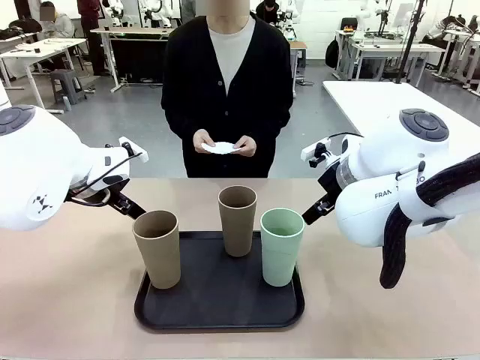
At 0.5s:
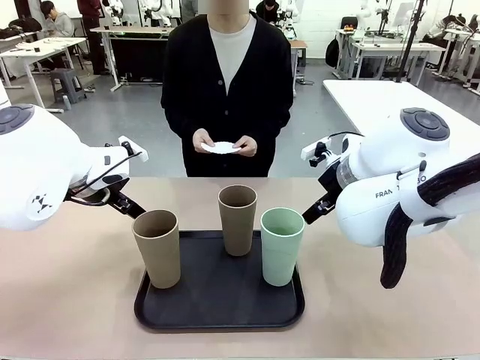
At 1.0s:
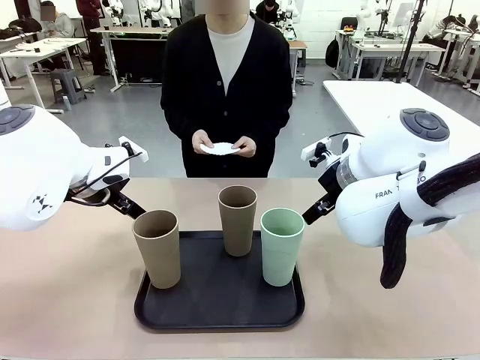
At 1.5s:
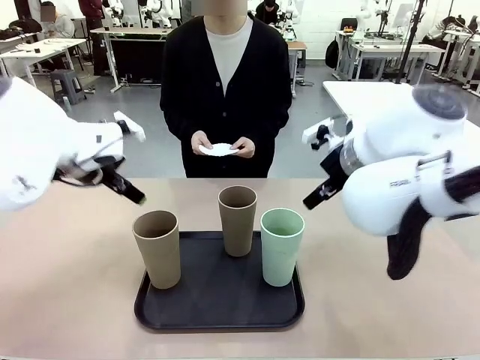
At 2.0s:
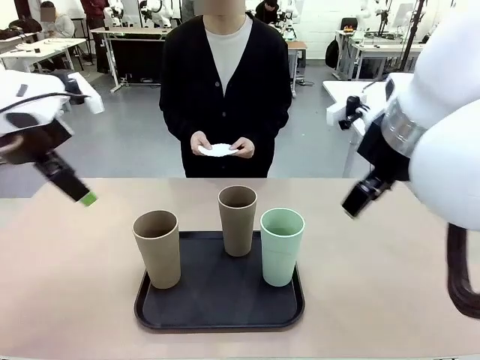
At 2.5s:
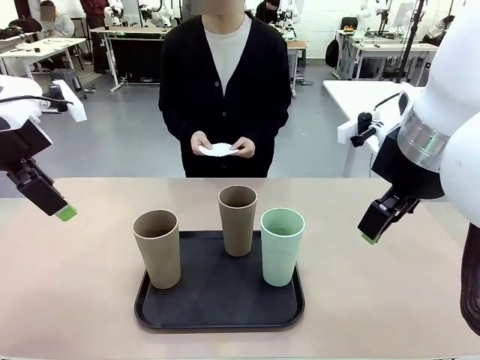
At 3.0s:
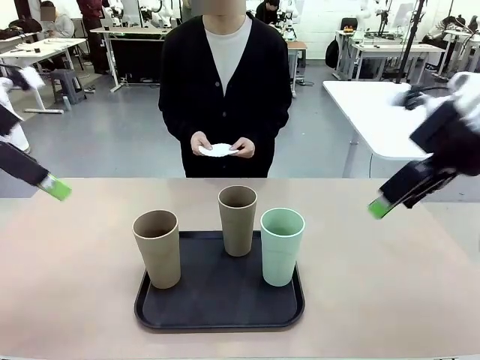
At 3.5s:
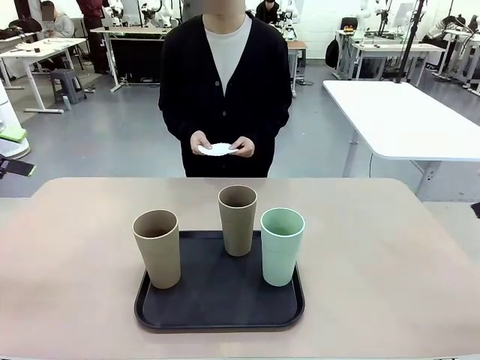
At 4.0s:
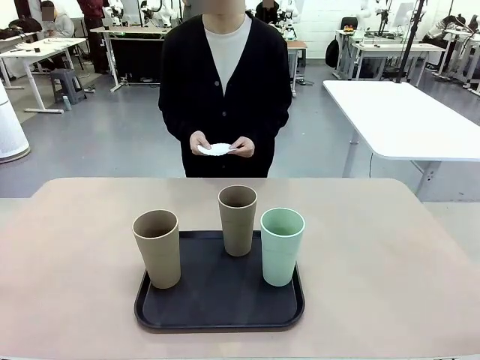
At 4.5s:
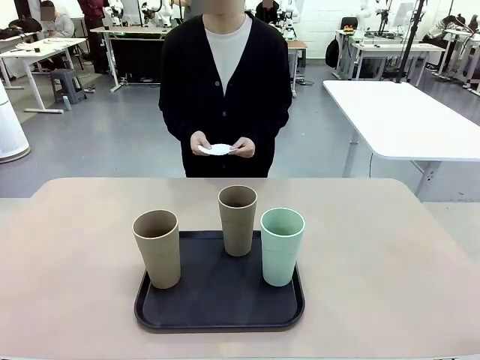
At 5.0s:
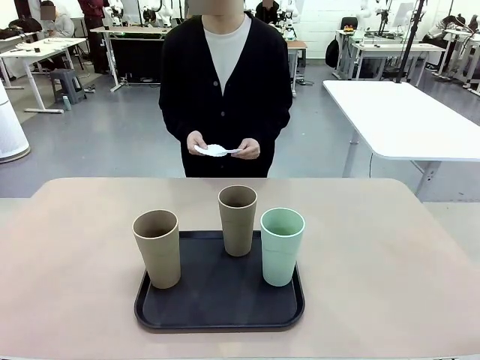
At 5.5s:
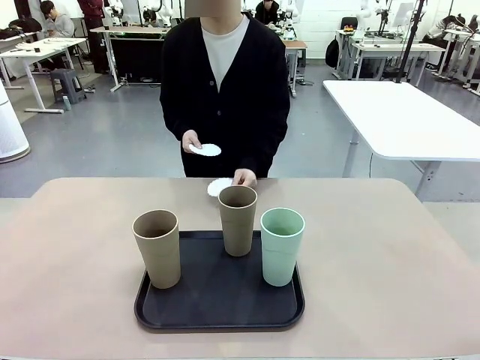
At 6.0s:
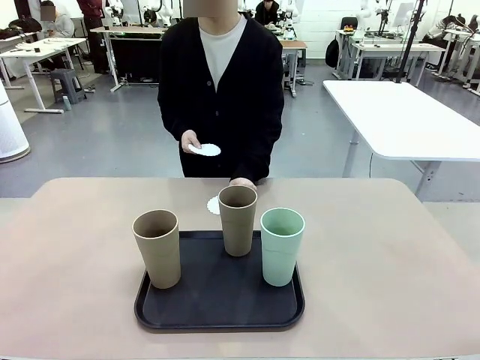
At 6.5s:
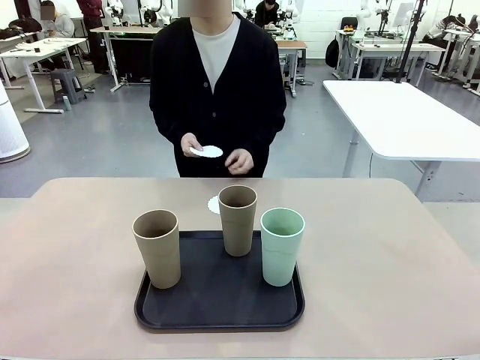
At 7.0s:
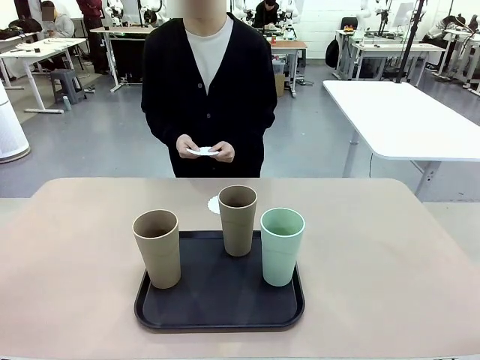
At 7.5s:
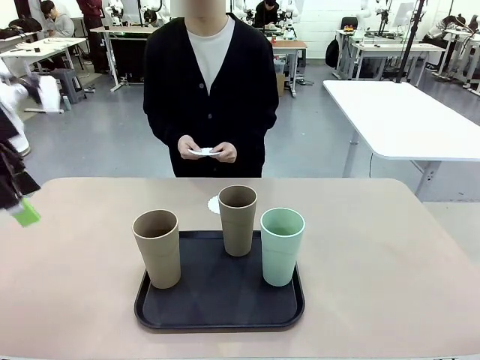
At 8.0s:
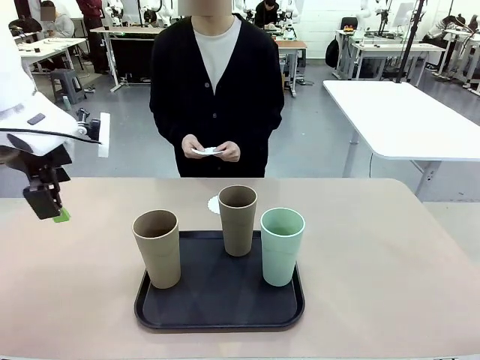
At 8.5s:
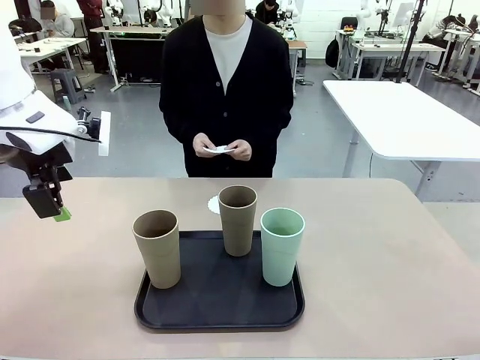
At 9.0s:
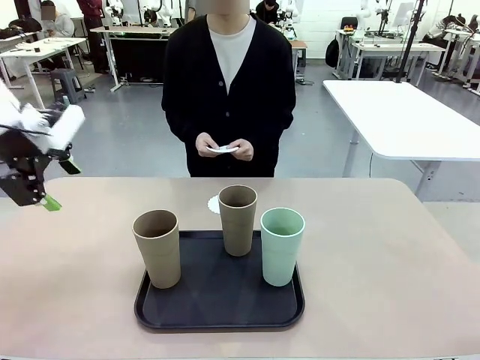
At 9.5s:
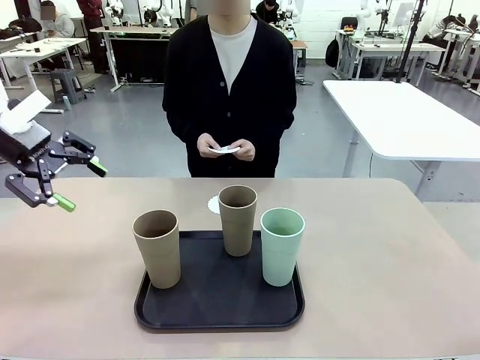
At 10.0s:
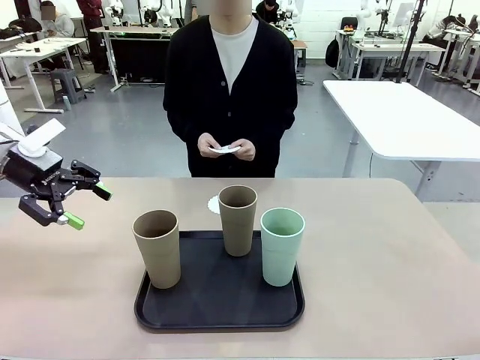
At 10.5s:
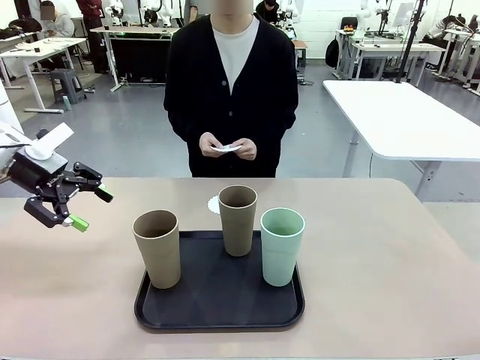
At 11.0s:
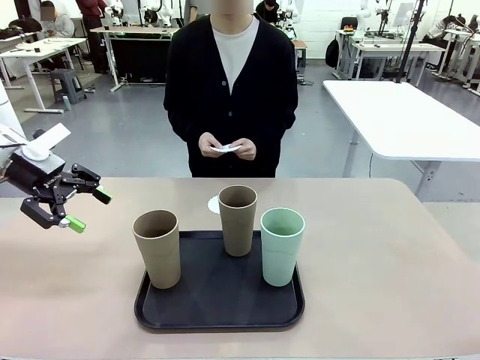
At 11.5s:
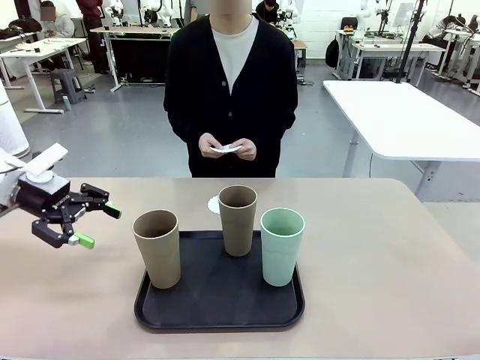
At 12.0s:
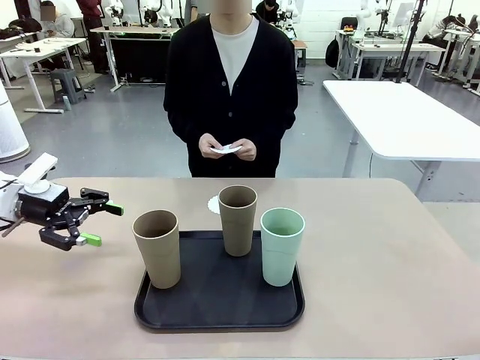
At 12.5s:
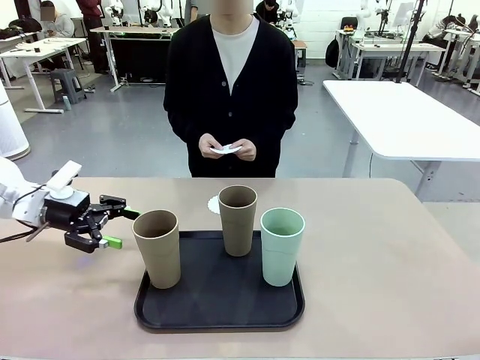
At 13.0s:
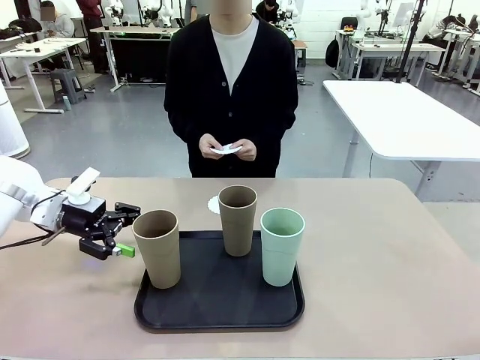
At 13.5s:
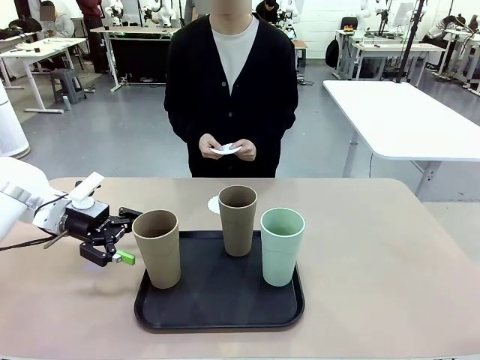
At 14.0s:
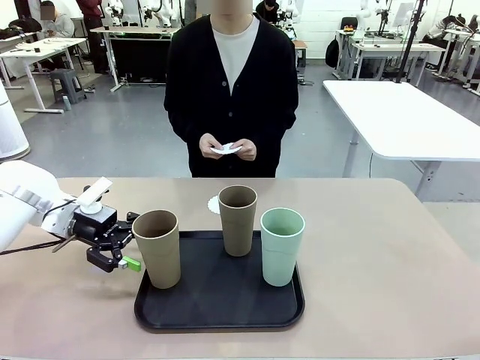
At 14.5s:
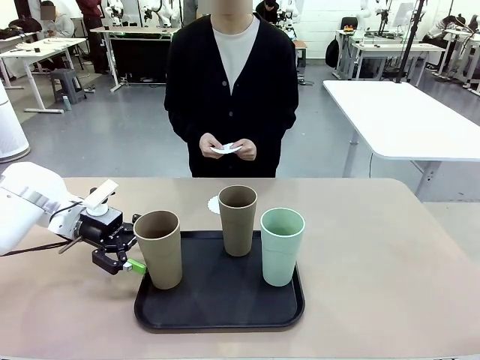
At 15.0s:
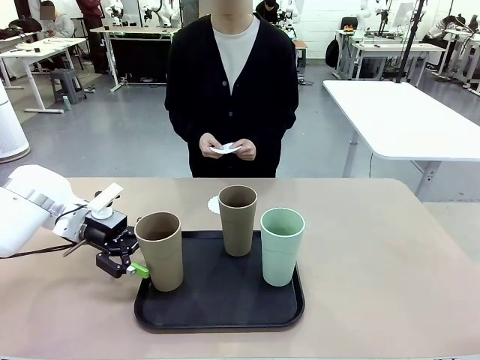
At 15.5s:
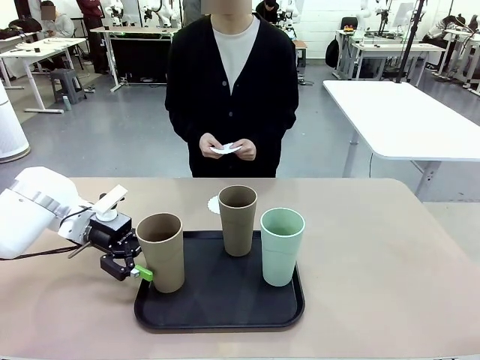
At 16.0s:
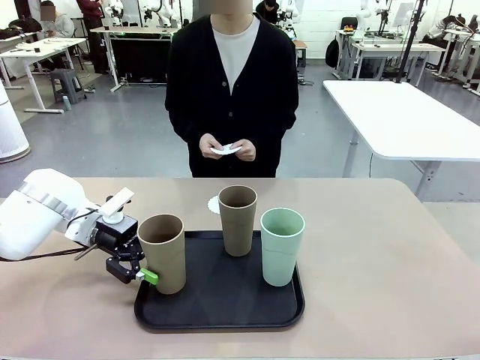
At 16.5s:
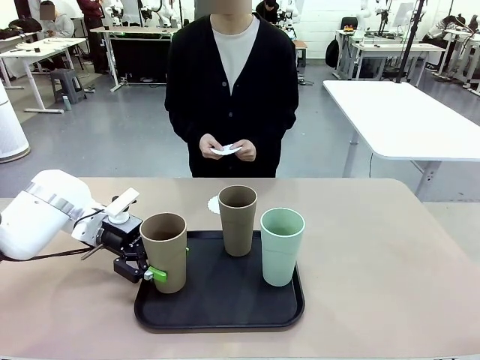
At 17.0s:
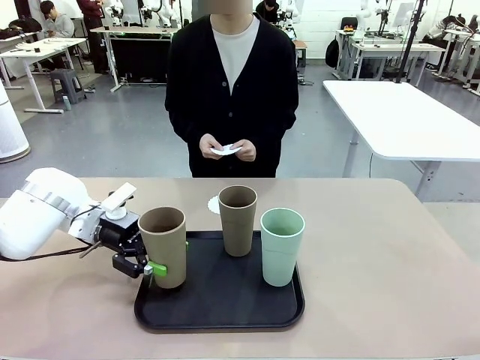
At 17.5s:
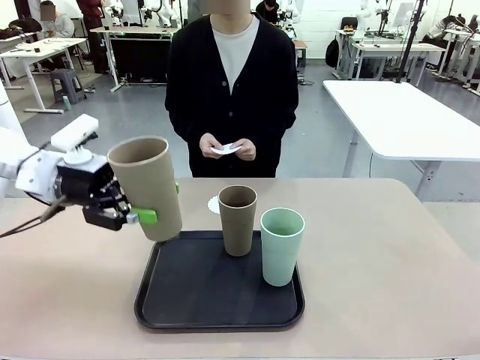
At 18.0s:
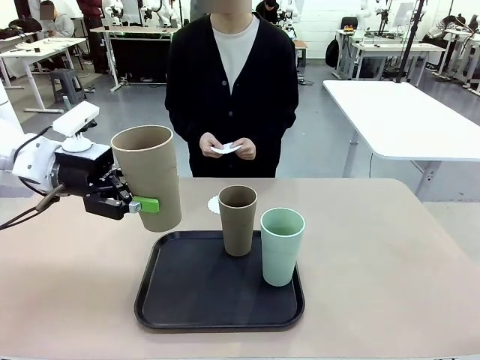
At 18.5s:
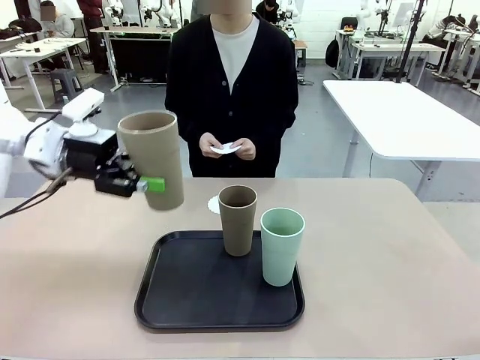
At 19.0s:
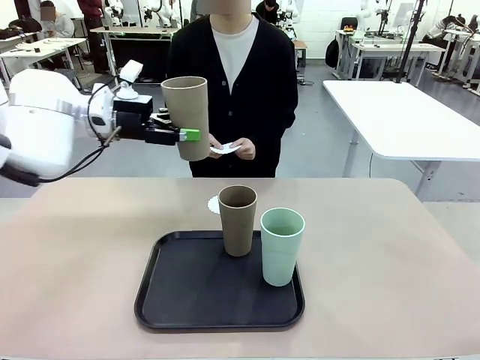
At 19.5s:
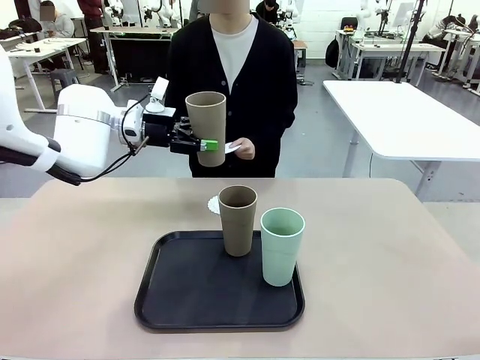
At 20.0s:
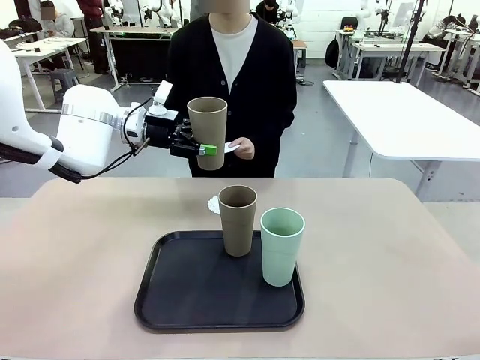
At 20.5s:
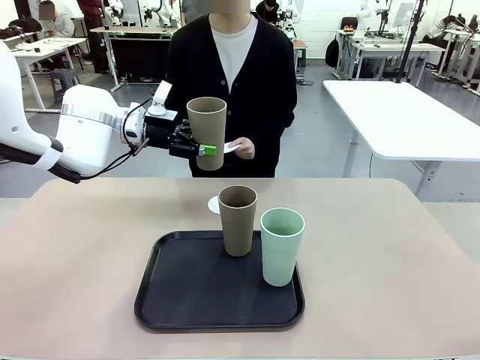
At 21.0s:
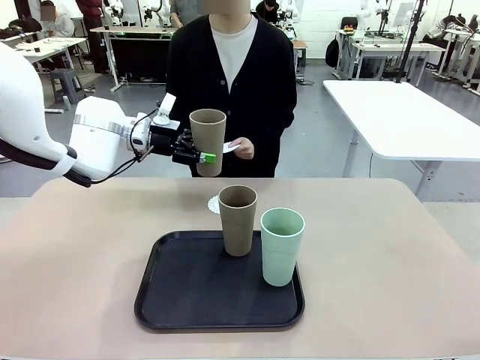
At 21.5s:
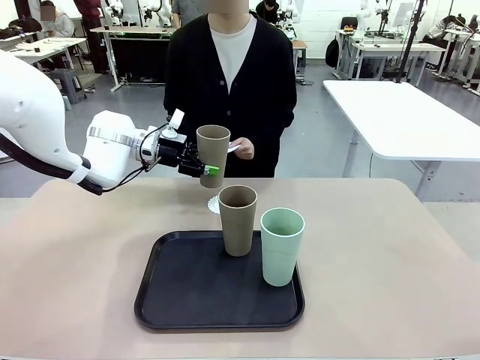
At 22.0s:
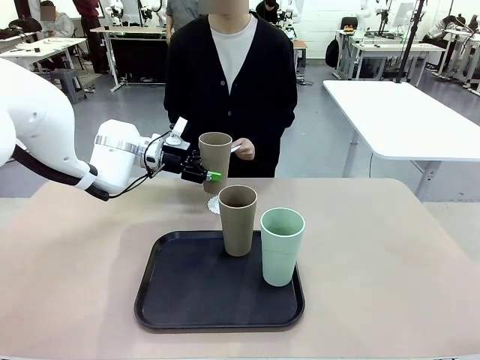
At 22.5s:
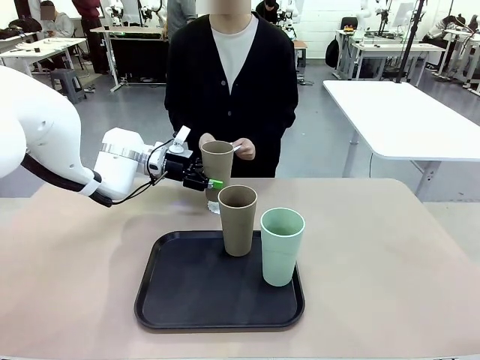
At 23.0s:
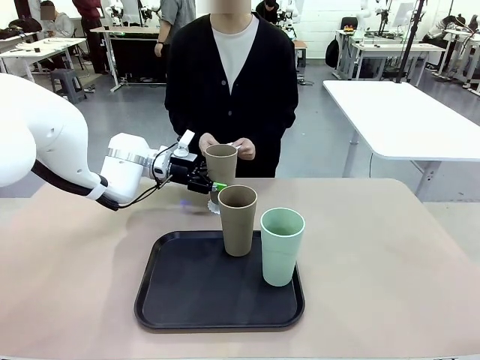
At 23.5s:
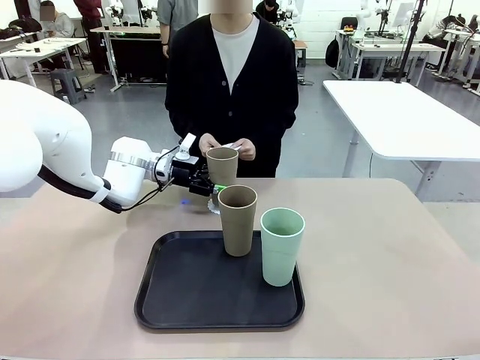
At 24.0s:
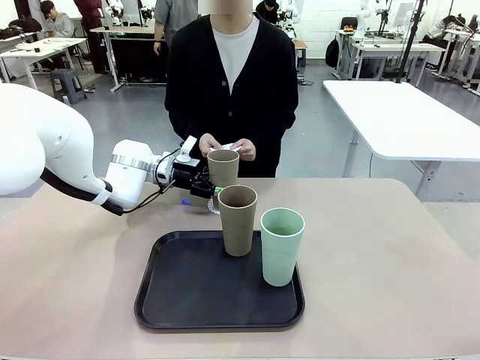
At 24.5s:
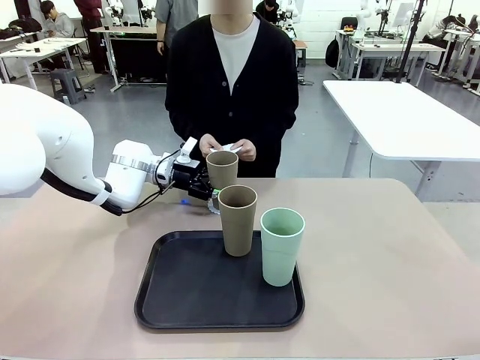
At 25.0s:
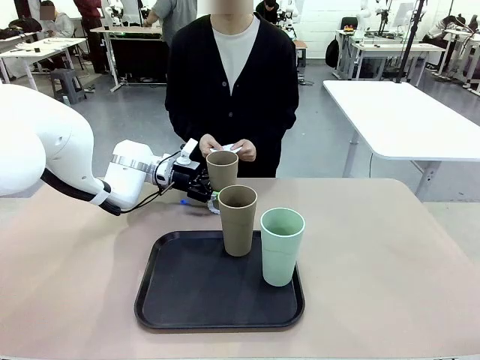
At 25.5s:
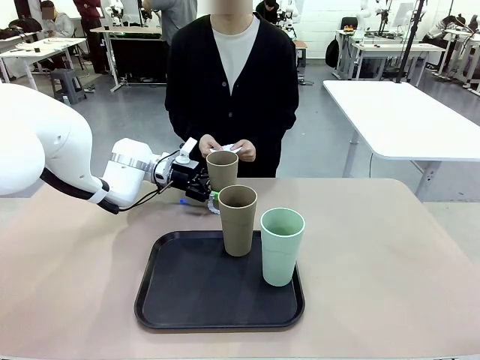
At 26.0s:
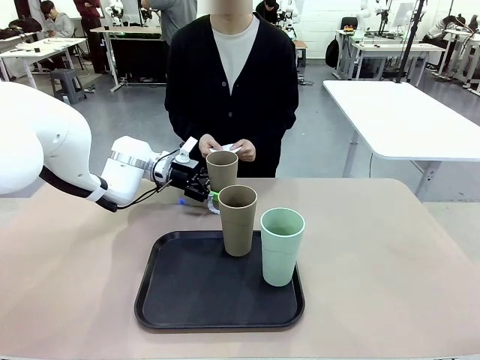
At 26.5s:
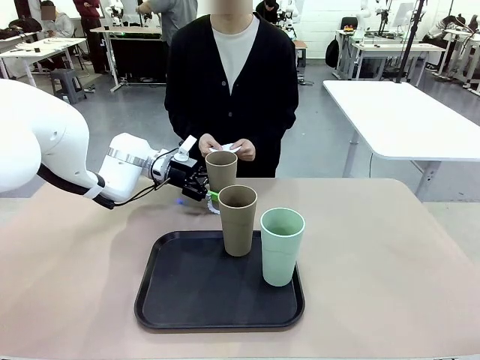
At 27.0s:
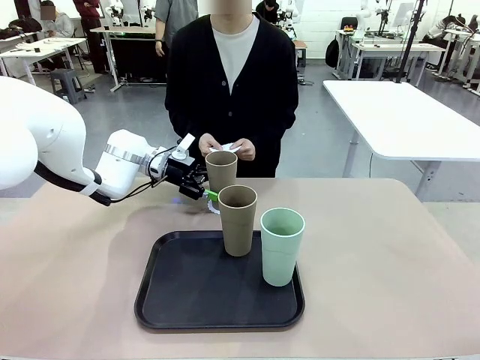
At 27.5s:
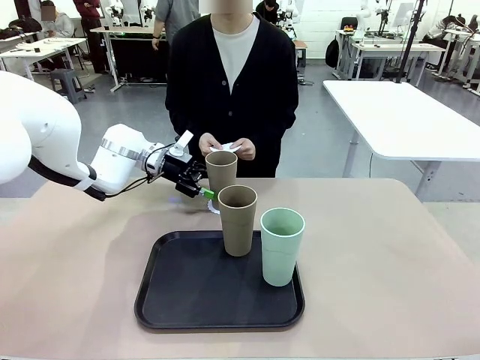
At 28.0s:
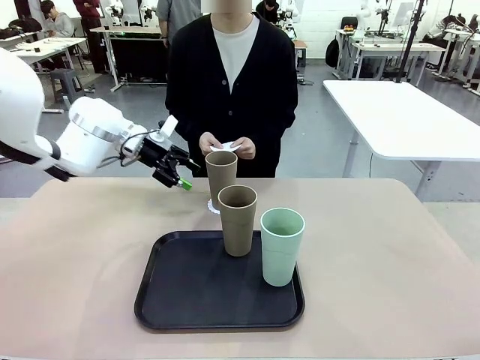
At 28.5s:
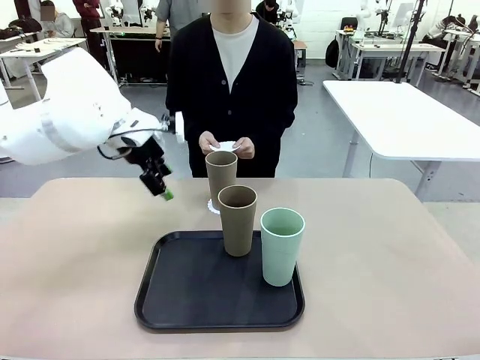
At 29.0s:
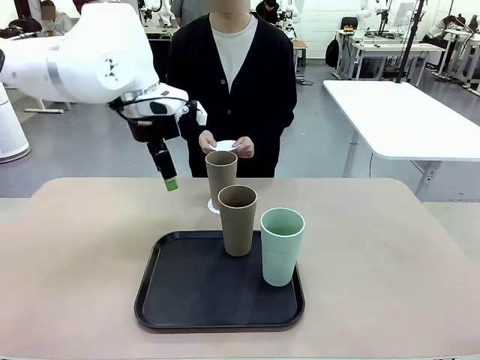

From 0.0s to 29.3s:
Task: Place coasters on the table and set cups on them.
Robot: Pick up one Reusable plastic cup and place it on a coaster set by the human.
Person: Place one coaster in any one of the three lower areas of the robot table (left, center, or right). Place one coaster in one of the two areas excluding the previously selected area.
